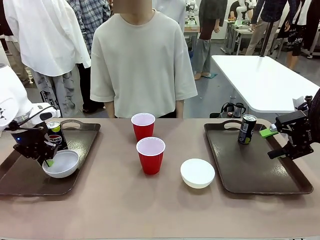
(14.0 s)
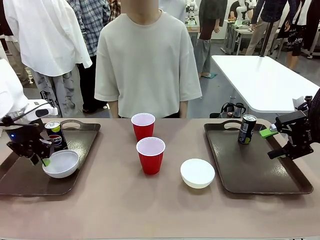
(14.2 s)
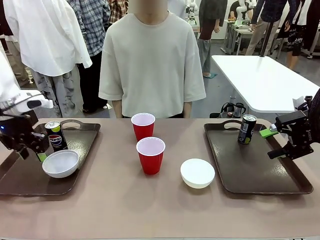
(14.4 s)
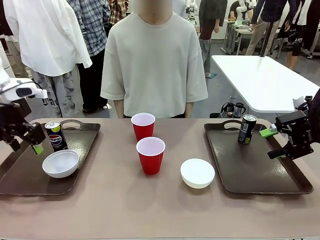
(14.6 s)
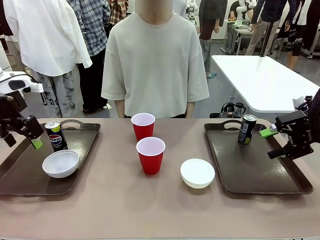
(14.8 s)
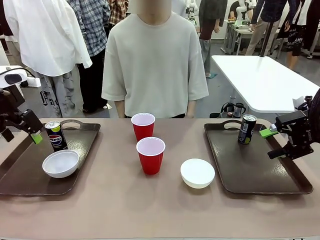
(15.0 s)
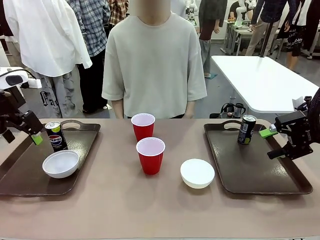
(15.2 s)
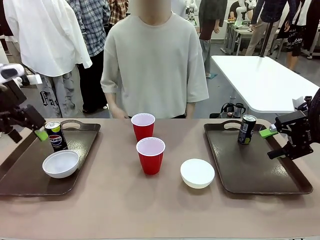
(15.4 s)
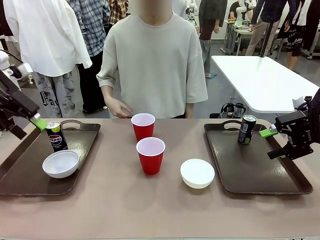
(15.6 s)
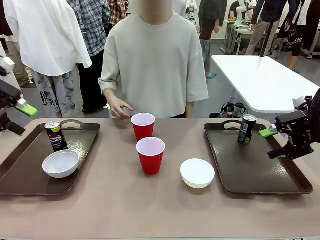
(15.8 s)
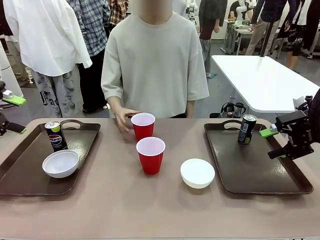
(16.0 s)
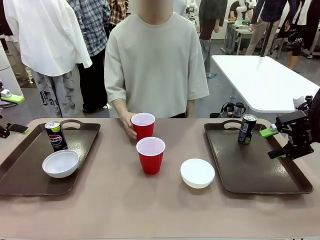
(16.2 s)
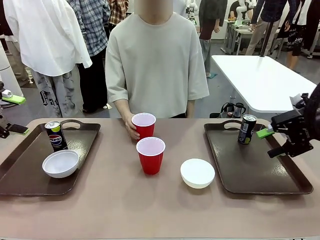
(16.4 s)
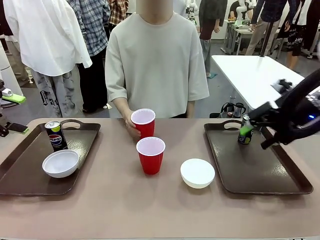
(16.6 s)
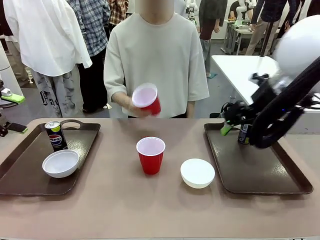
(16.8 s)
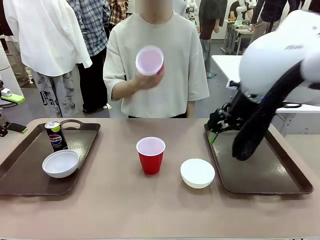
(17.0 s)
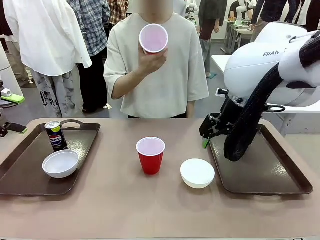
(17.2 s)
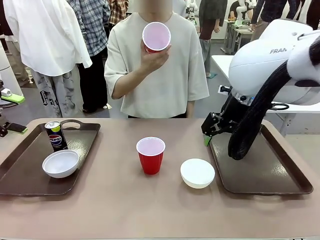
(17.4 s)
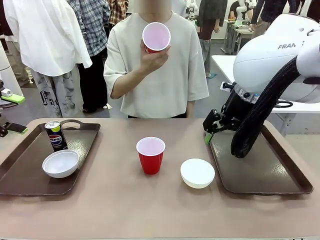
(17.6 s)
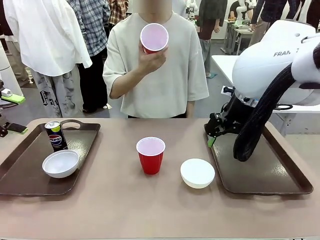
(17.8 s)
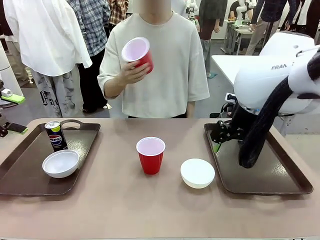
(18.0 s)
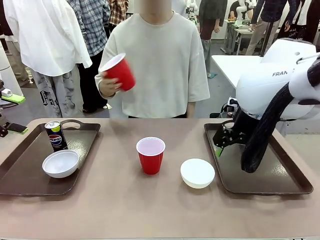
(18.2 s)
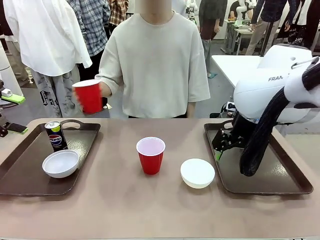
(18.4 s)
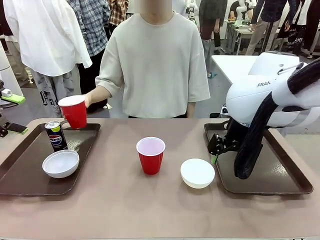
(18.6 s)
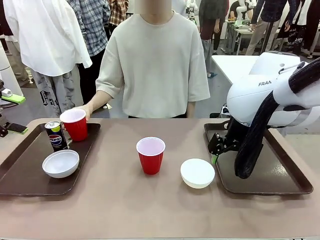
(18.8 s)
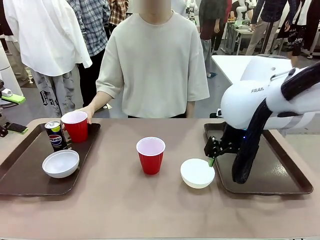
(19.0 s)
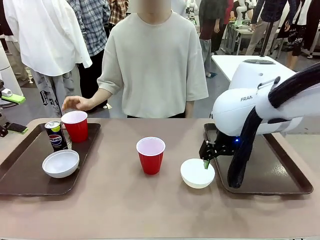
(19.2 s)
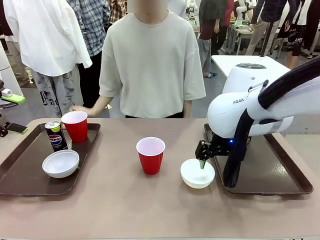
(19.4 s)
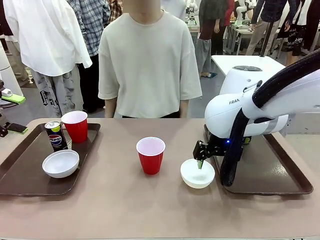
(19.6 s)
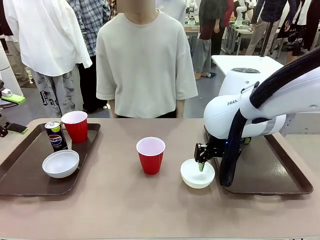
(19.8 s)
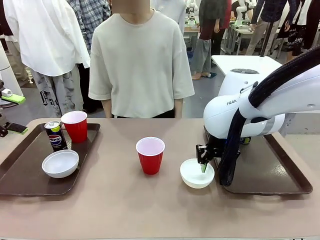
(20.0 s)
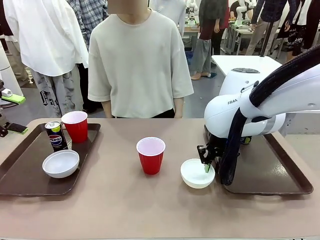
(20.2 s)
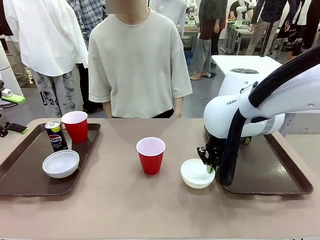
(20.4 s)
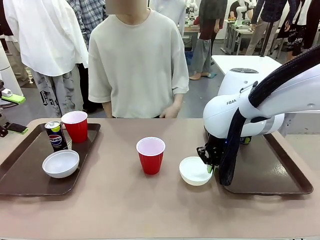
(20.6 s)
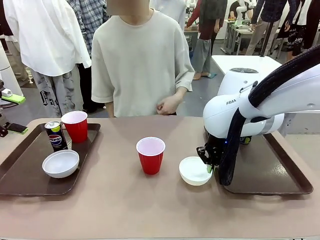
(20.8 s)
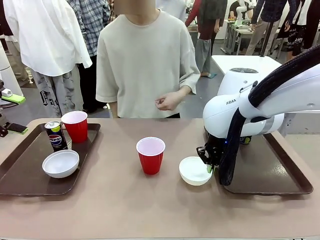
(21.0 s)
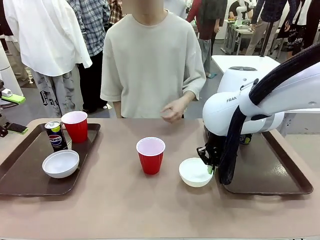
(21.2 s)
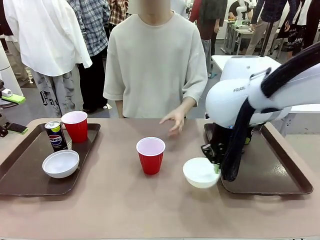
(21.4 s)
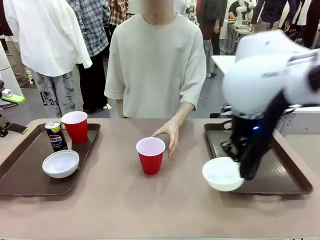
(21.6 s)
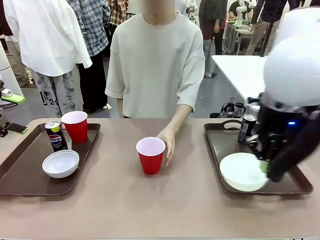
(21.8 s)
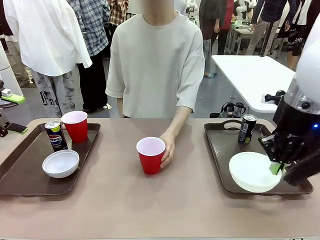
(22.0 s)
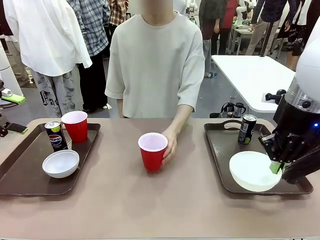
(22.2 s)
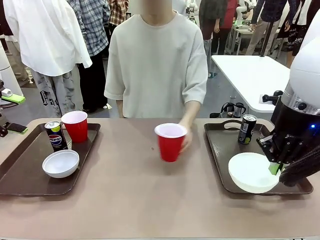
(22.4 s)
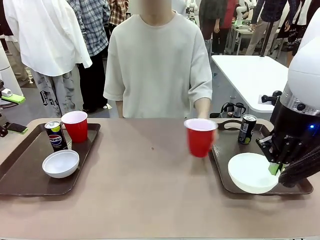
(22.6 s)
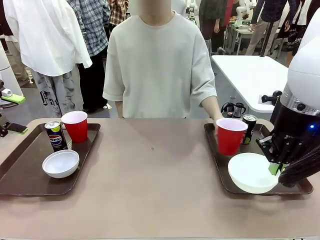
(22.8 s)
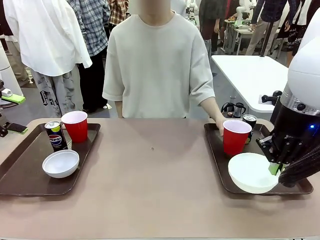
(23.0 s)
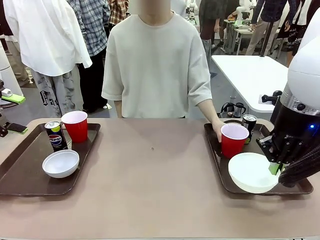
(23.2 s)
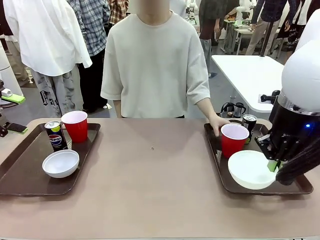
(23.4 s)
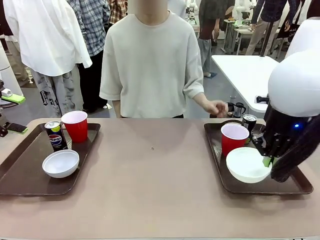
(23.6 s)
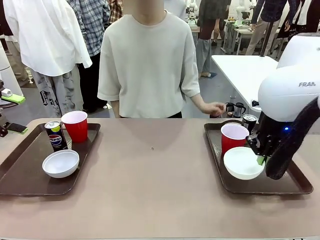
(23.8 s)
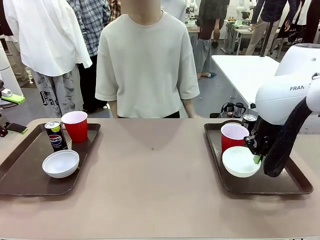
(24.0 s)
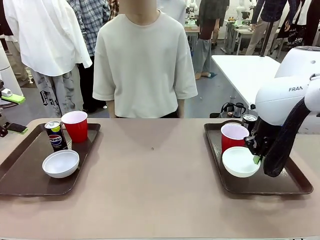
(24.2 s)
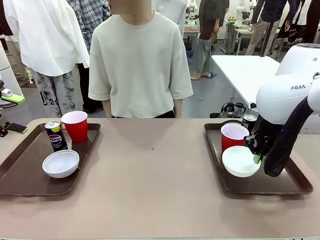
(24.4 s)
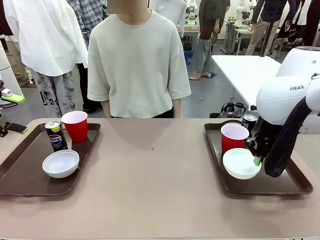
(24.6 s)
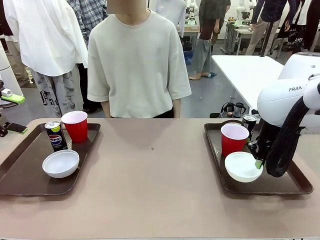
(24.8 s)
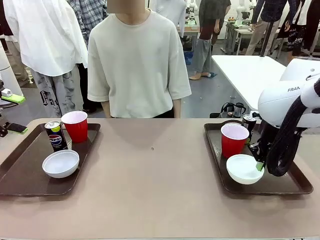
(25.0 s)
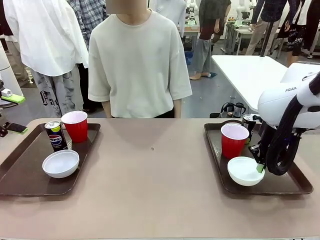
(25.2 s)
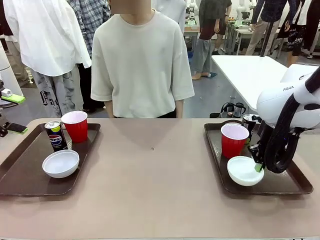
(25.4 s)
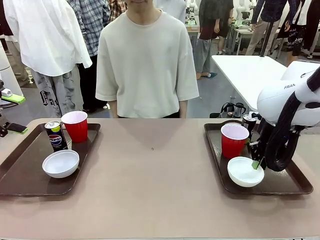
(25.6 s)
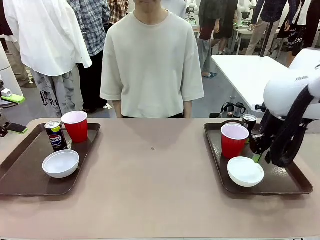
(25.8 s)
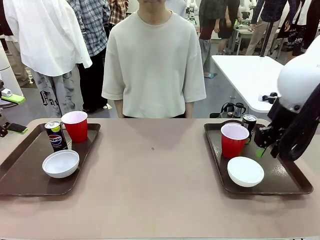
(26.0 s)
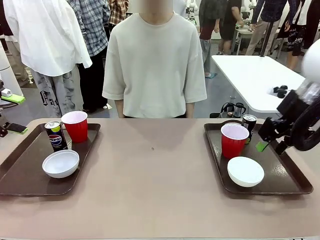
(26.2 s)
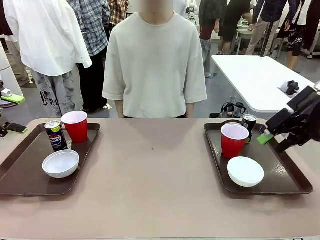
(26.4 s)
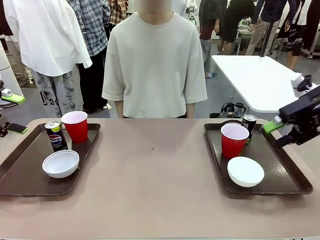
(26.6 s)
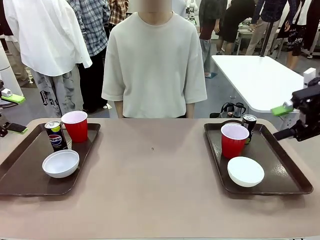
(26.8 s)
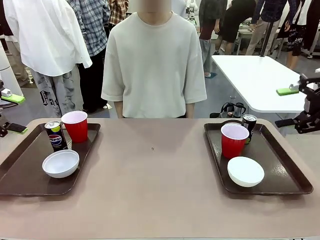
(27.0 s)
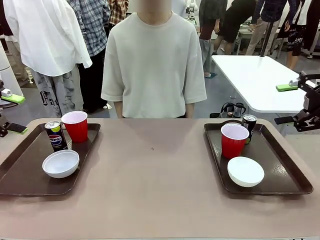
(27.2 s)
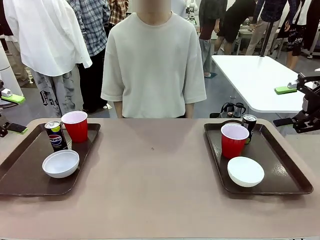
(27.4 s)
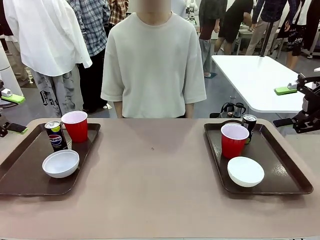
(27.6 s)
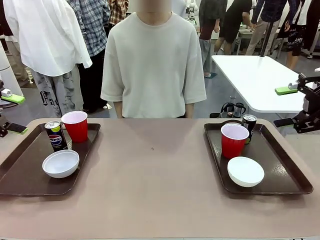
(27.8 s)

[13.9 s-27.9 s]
Task: Prepare tableware on both trays.
Robot: Pick up a Picnic Bowl from the table and place it on a Handle tray.
Person: Pick up a can or cup and place it on the tray without a can or cup.
